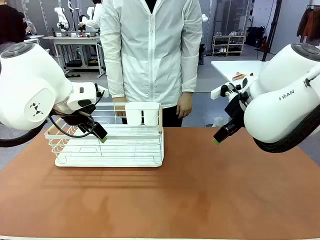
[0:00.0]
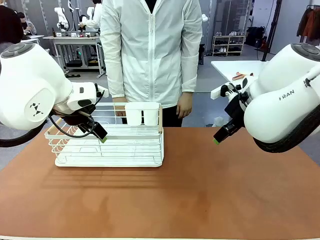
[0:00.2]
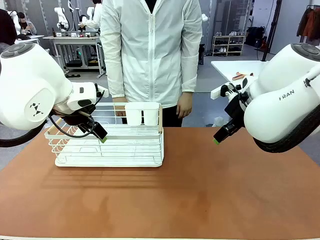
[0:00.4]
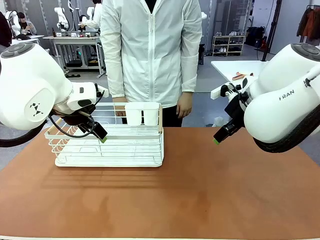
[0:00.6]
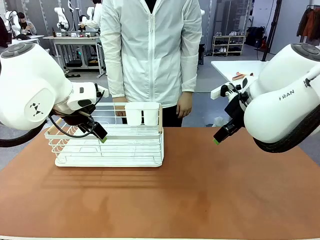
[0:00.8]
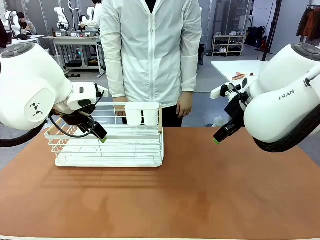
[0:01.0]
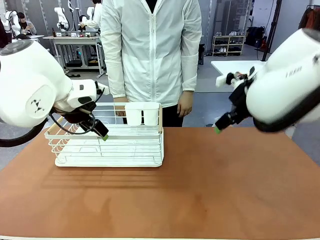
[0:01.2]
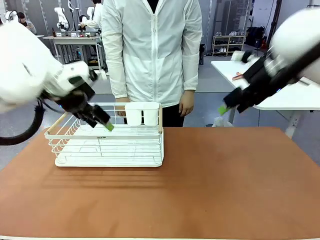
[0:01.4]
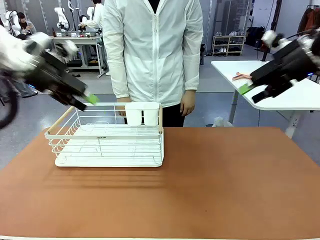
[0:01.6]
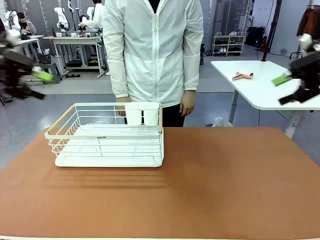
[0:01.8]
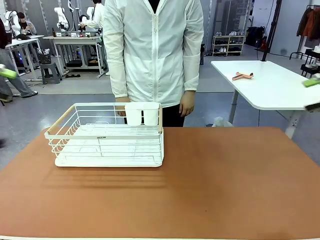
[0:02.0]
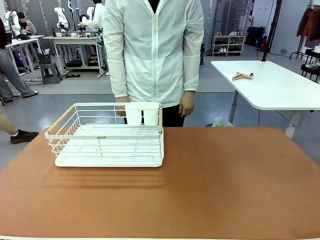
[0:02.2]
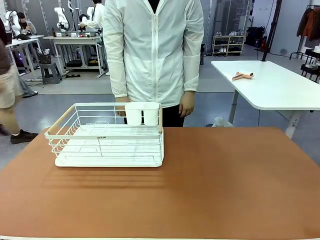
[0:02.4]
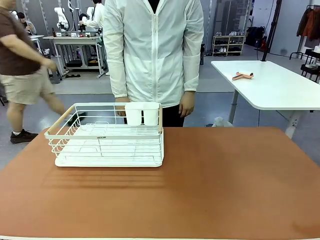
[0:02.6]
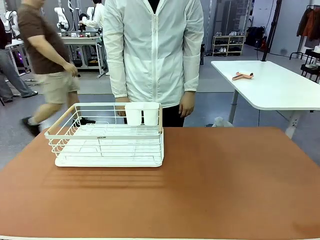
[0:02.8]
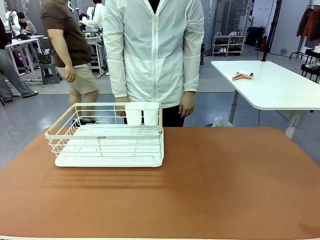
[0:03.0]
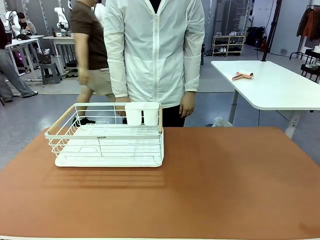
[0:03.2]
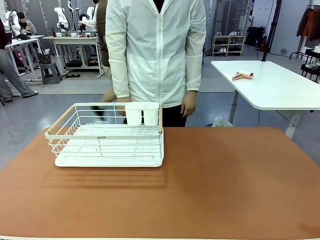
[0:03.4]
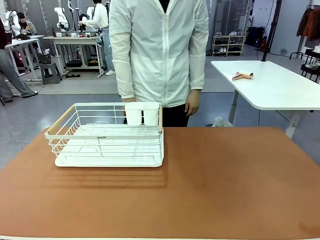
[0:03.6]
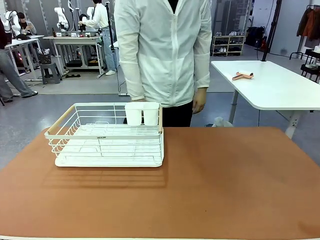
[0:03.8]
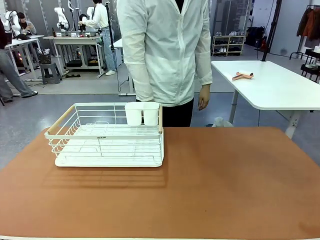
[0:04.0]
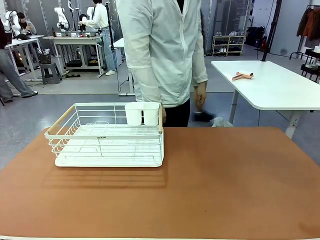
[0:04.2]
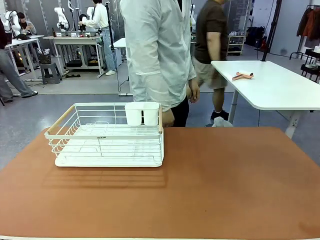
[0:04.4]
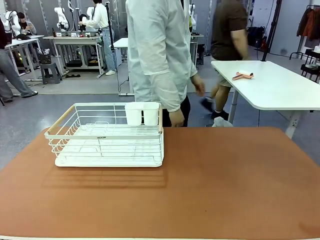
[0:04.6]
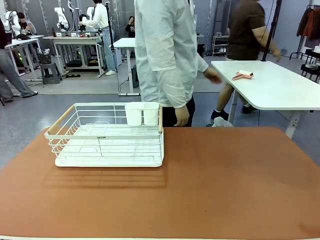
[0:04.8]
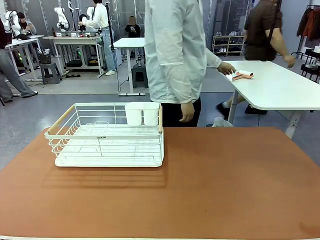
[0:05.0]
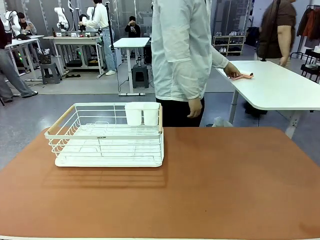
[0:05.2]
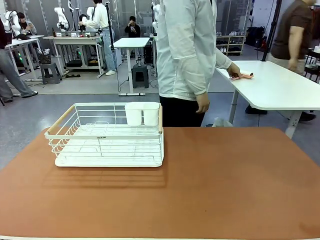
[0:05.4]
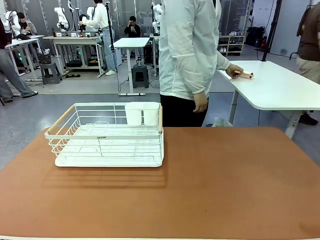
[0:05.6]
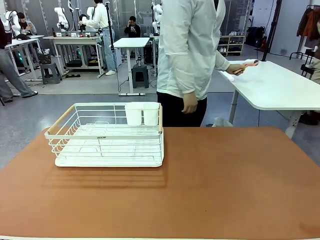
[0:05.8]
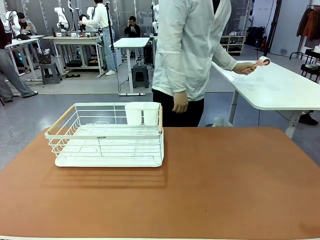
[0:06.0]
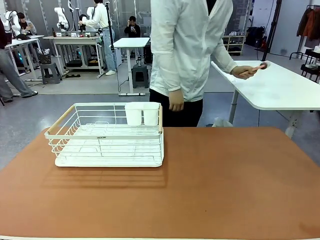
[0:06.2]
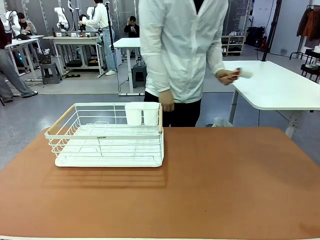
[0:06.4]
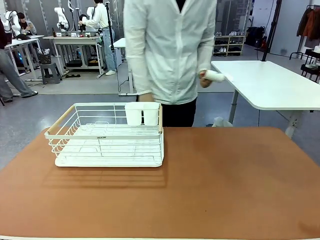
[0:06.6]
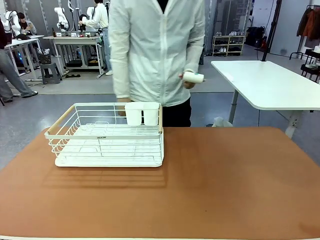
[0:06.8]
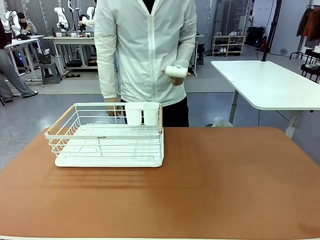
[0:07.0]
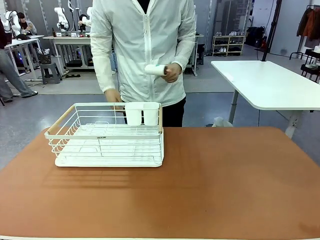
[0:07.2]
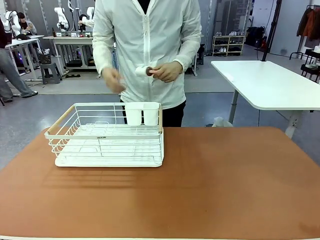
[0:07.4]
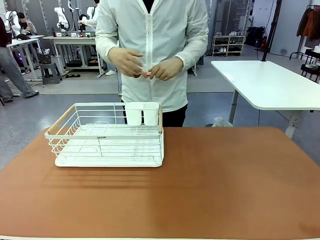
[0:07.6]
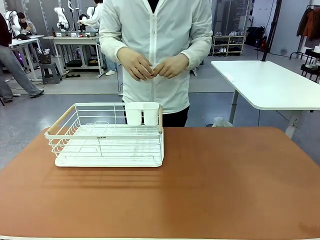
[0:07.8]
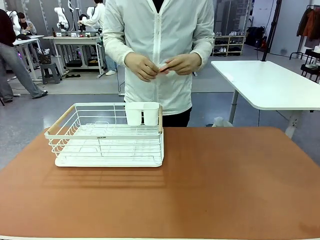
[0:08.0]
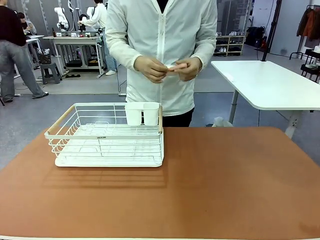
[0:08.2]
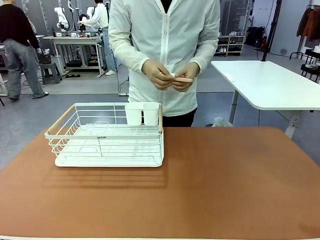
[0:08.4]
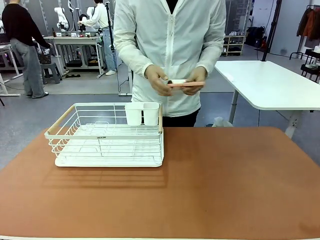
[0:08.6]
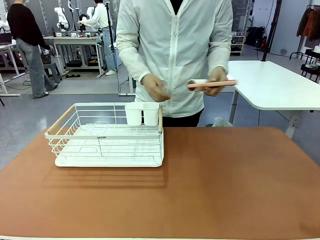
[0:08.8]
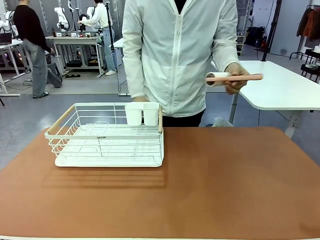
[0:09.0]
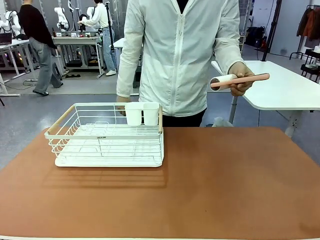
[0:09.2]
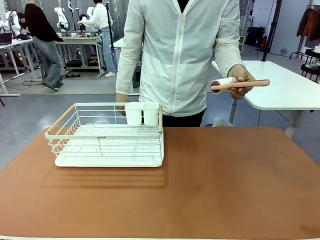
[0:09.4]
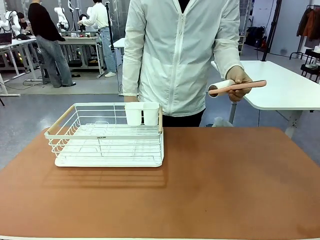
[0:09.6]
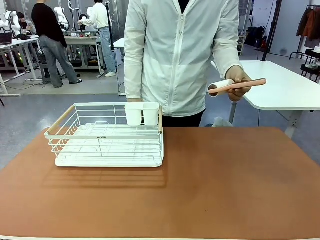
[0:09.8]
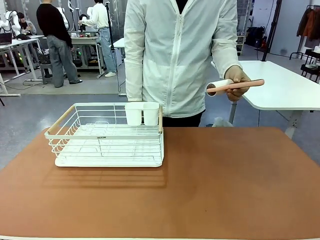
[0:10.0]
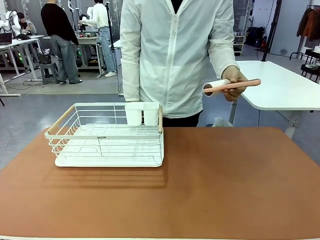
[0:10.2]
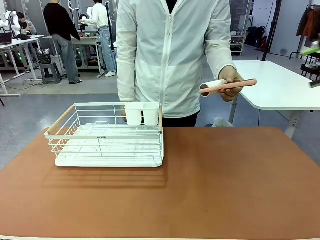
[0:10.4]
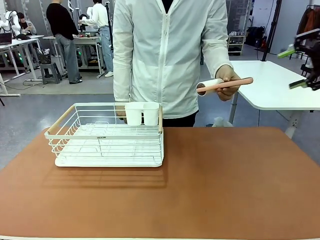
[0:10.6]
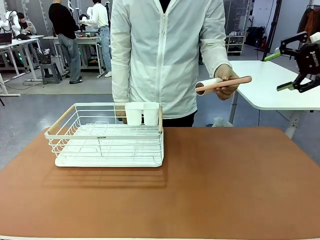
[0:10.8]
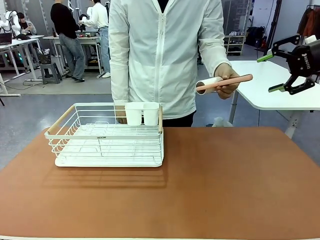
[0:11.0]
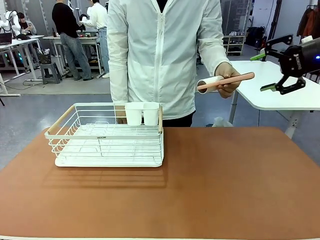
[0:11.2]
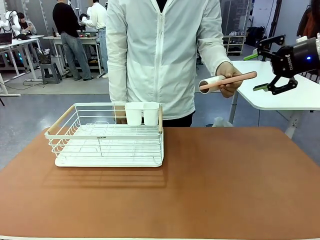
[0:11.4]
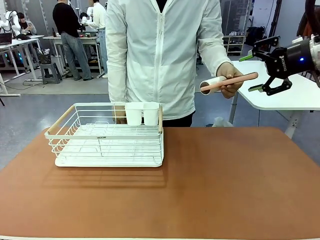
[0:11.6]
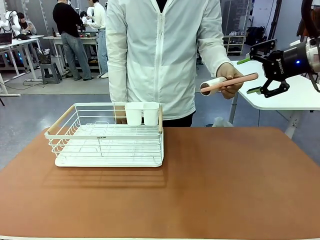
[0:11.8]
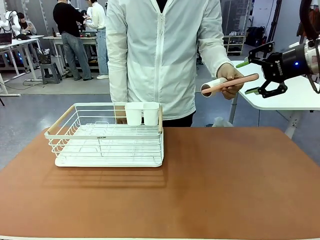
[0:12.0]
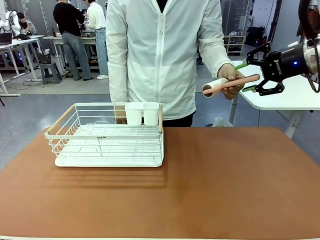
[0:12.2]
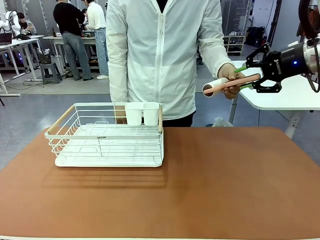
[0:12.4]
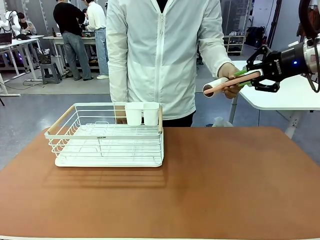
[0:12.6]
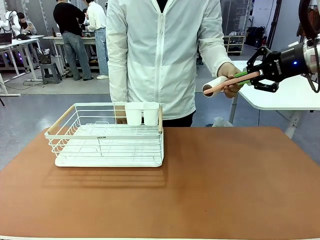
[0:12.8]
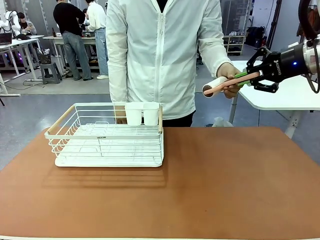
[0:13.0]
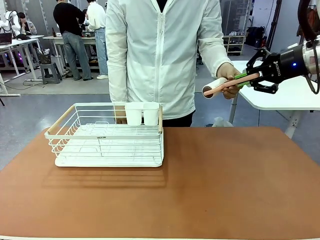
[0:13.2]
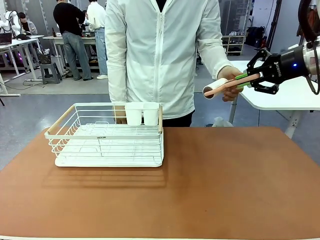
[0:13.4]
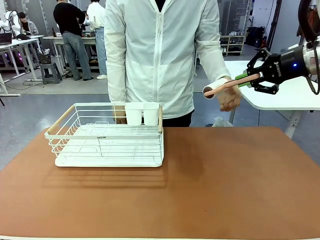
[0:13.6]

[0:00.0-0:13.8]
Task: Clean the table.
Robot: Pick up the Lint Roller when the human hands it over.
Person: Hand the Lint Roller to the robot so it can easily pick it up. Lift the Dish drying rack.
